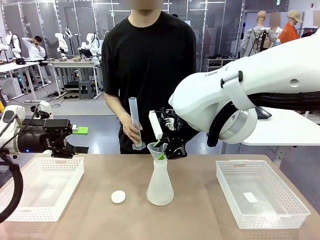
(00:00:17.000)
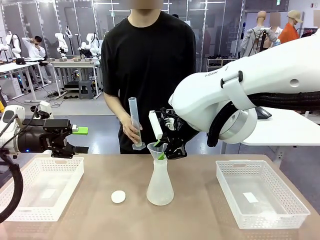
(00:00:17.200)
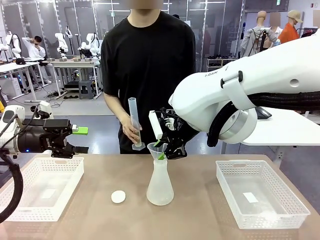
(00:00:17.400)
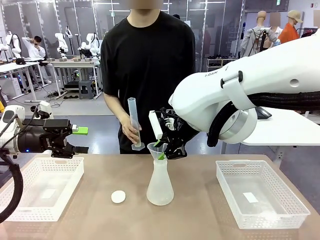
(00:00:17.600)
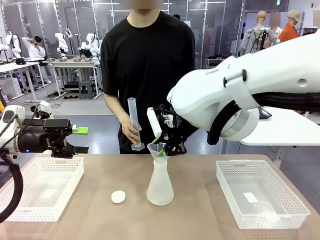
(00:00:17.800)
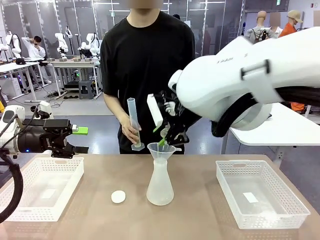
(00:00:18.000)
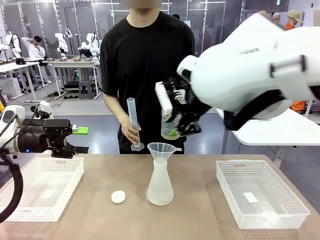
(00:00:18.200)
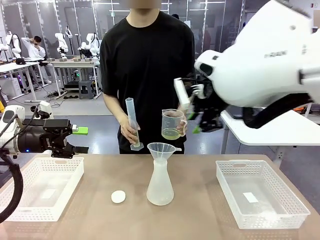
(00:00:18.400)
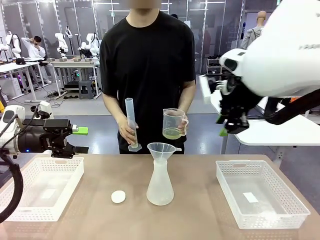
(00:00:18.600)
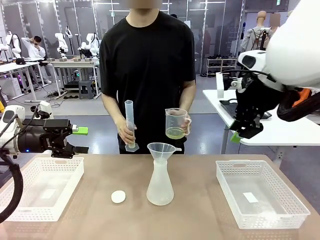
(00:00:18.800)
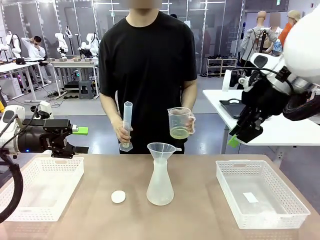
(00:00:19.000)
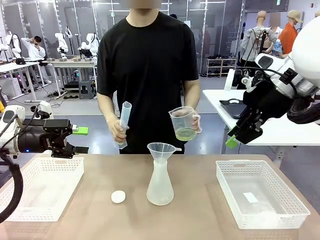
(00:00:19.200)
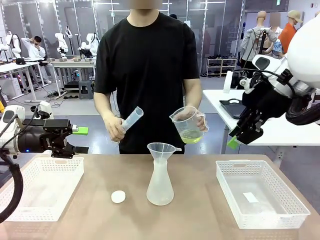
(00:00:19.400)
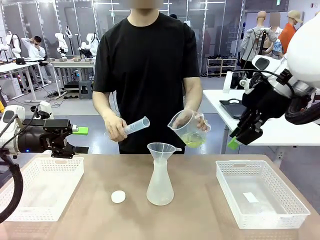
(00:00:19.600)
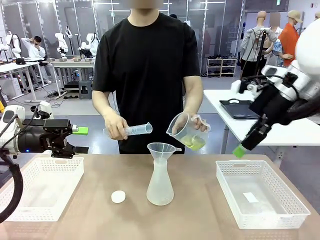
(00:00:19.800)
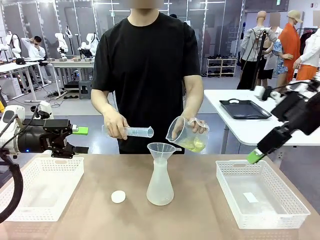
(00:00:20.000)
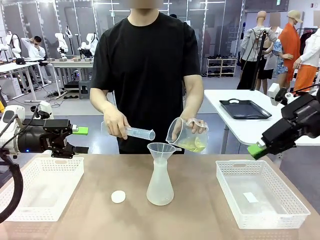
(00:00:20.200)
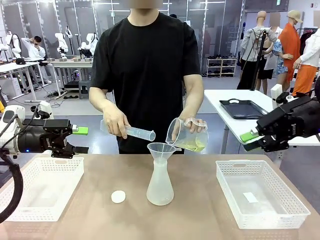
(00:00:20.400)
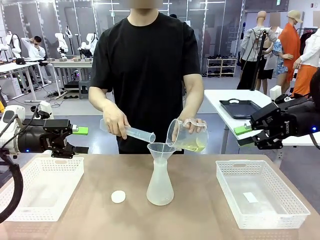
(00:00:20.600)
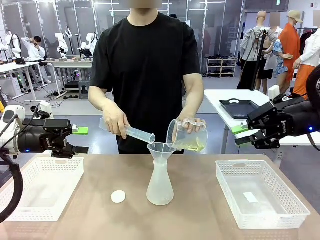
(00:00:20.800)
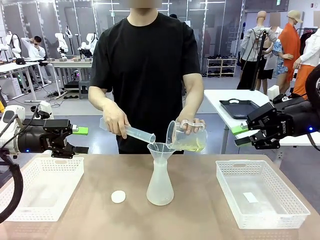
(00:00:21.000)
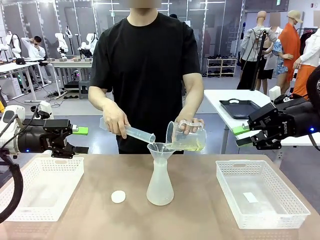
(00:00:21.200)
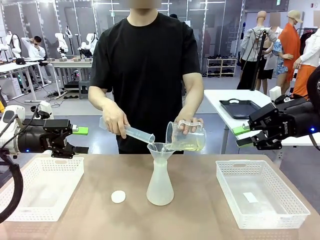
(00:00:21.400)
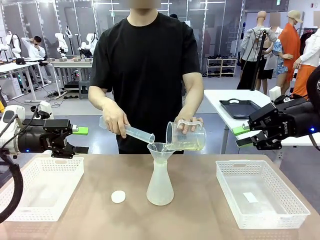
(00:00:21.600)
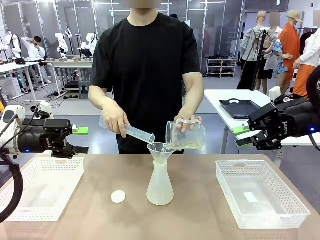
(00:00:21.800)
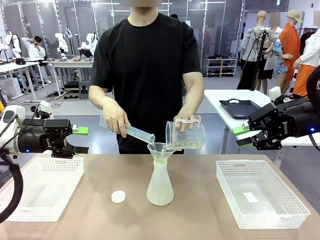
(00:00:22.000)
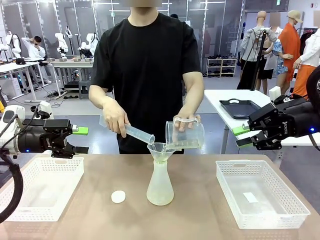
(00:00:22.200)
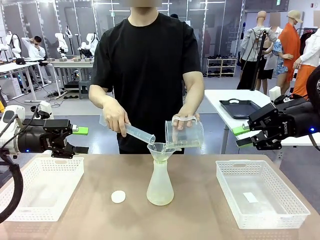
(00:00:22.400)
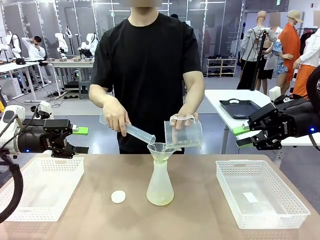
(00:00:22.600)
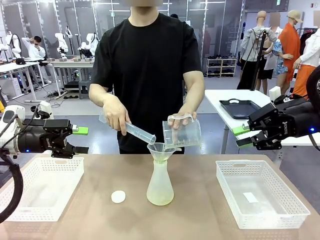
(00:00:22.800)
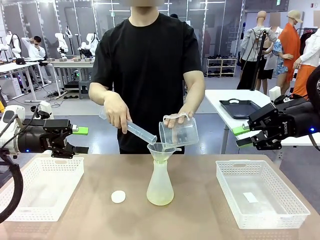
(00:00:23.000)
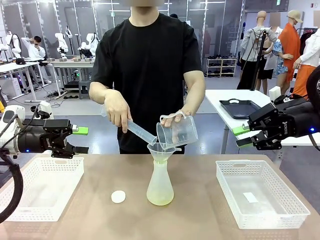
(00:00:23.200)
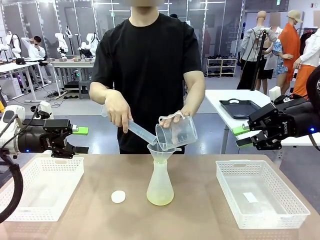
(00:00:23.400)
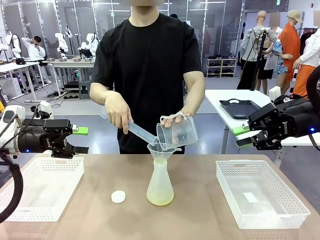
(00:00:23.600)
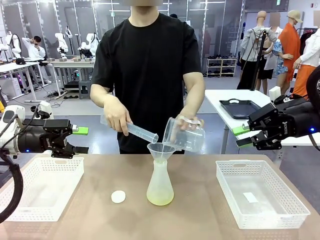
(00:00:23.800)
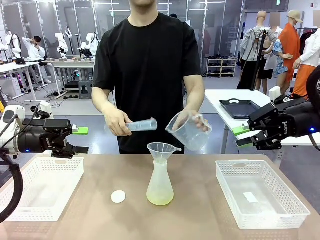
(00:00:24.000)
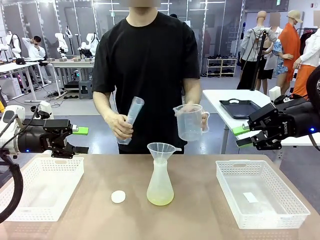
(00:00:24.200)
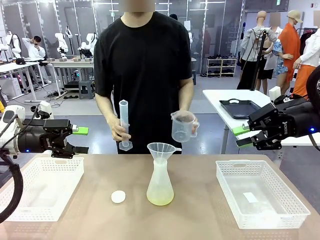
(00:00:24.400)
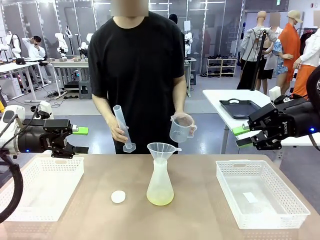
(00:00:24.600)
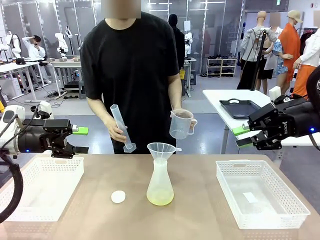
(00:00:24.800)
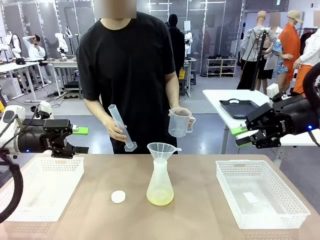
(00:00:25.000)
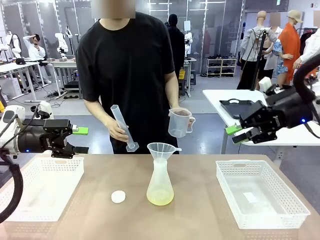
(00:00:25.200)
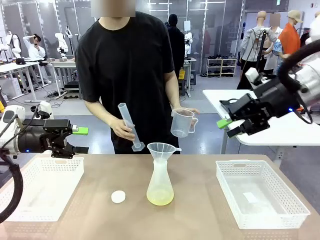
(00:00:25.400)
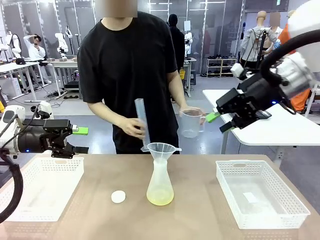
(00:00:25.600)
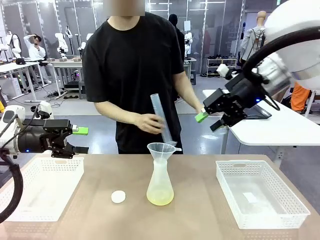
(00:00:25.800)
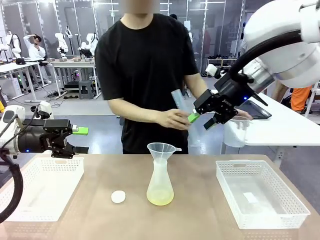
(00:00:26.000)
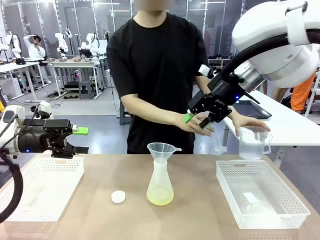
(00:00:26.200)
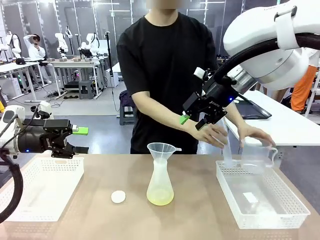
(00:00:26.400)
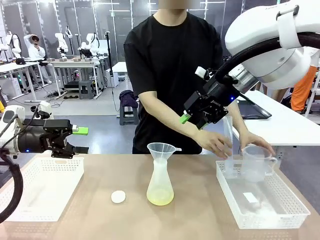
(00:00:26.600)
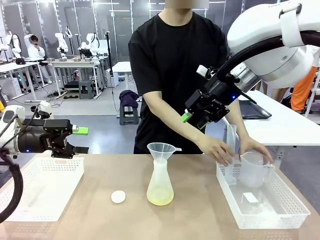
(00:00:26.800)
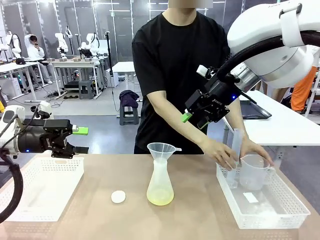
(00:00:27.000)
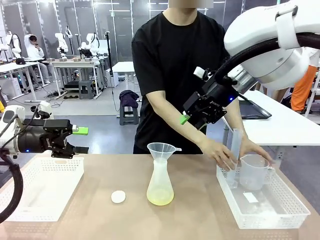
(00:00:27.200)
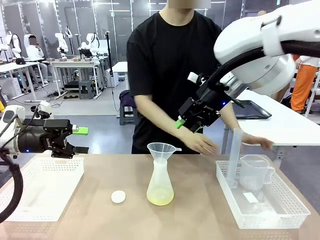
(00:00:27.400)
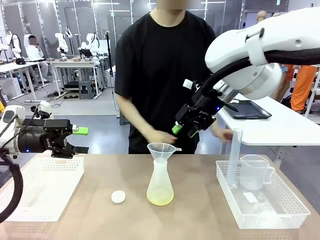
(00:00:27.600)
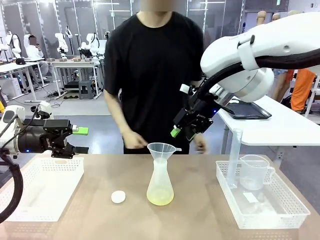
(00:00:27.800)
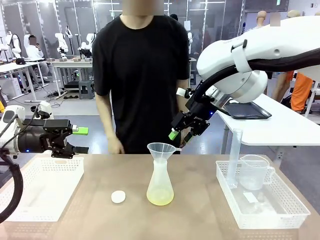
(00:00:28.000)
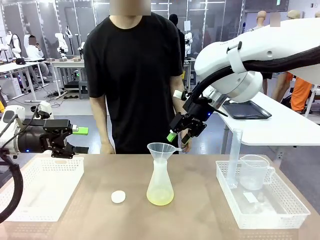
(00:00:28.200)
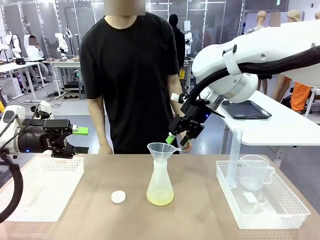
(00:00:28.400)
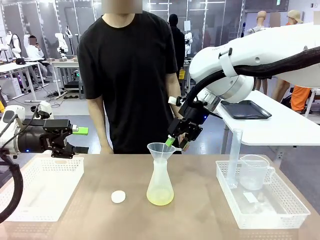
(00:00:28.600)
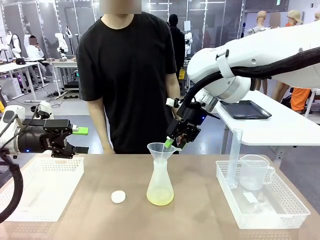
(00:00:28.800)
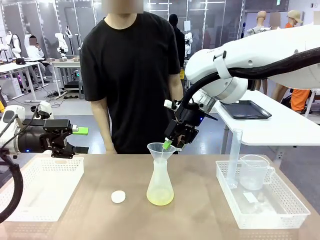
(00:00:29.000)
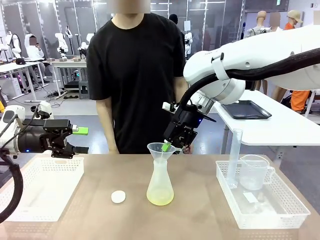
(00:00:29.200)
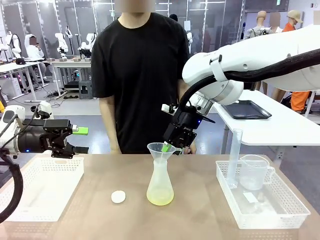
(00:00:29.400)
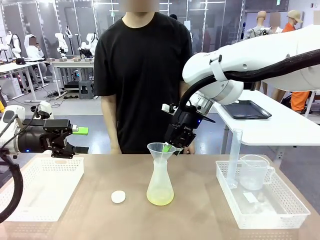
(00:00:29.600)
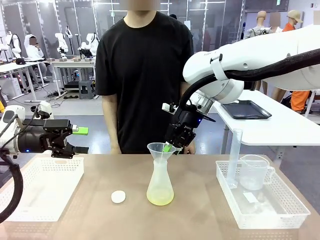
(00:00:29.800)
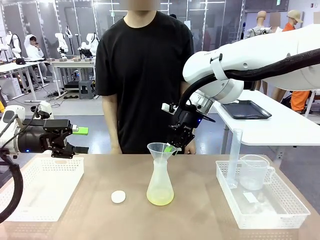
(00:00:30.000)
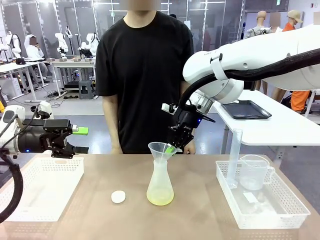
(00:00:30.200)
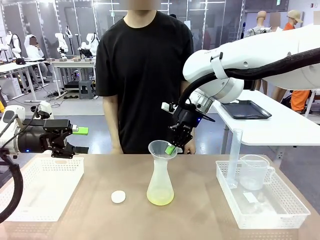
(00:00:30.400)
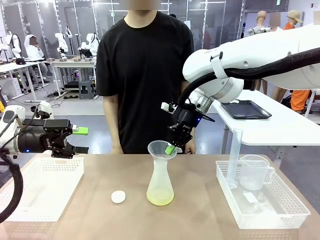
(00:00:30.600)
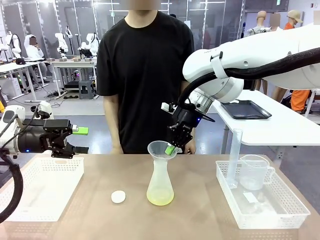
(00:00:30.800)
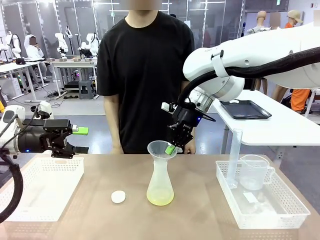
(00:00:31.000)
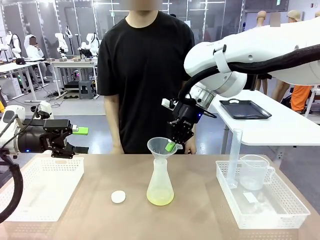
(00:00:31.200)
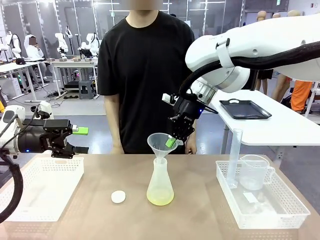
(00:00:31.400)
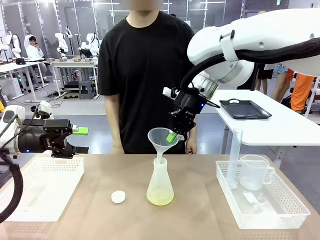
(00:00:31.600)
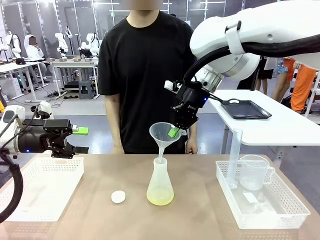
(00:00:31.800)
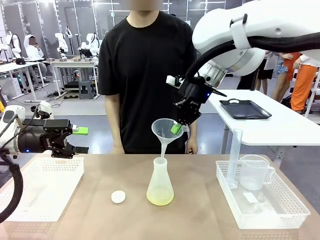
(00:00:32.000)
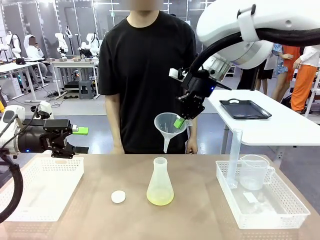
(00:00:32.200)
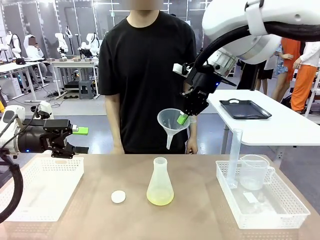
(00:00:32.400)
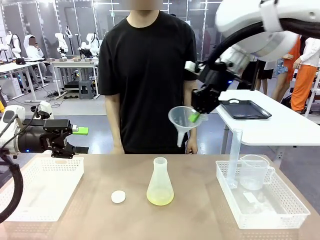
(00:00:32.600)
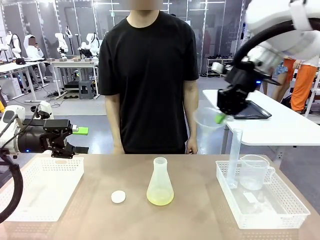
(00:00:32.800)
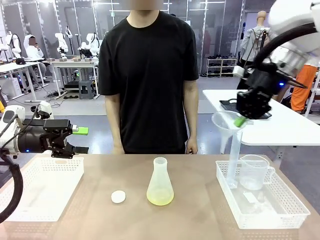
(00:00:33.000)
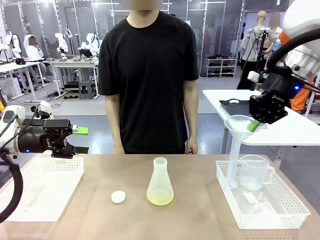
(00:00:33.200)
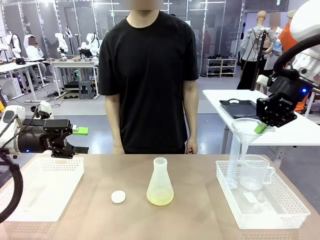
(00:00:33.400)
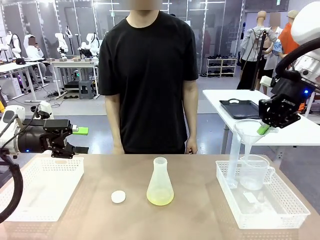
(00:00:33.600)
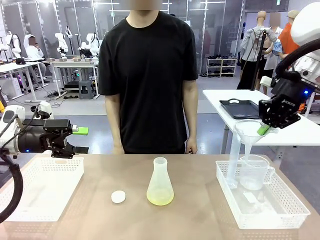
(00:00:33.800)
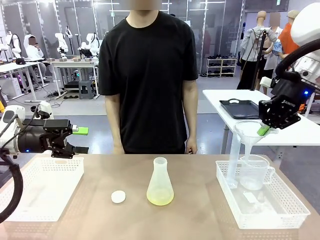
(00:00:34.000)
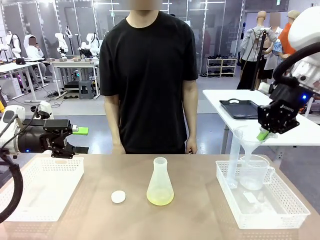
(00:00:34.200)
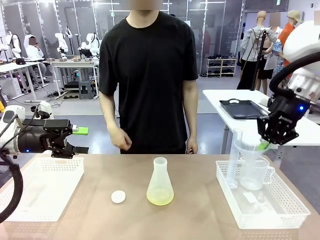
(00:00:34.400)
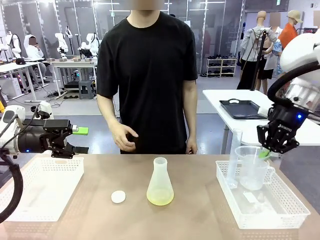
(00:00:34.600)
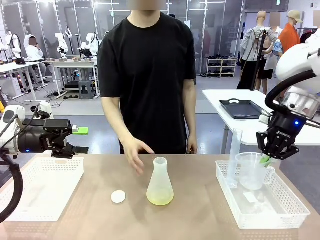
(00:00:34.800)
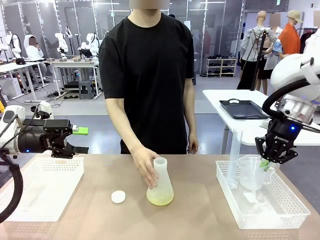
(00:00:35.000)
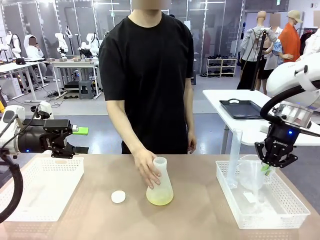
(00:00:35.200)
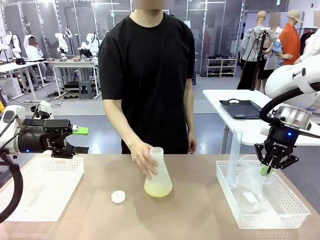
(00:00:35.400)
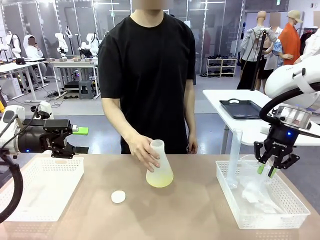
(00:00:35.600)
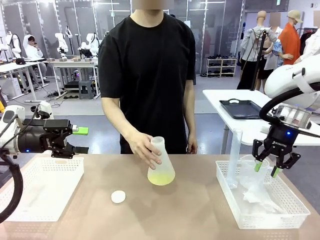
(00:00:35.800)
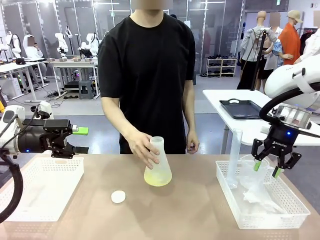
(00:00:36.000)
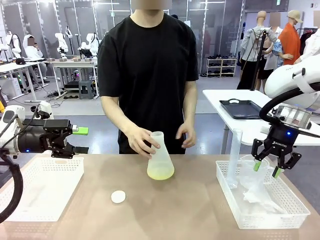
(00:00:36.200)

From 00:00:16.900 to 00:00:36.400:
Task: Prepare the solutions needed for the experiment.
Robot: Once the solution is in the Big flask , pick up the Plastic Funnel and place it back into the right Organizing basket.
Person: Pour the solution from the beaker and the cylinder into the flask. Place the beaker and the cylinder into the organizing basket on the left side. Pick up the flask, gently shake it 2–3 times, place it in the middle of the robot table, and close the lid.
